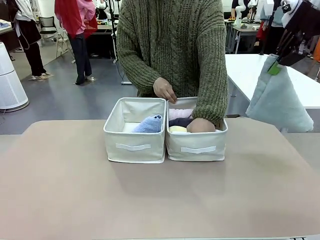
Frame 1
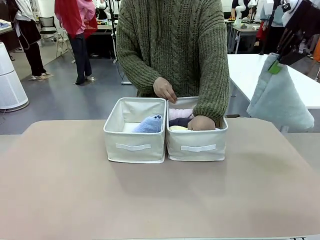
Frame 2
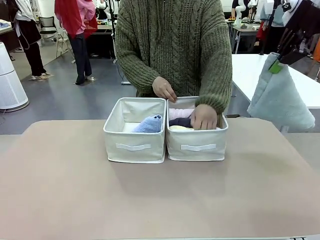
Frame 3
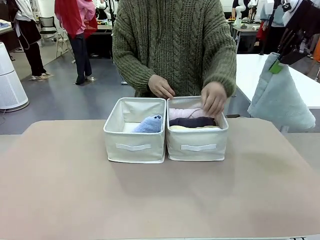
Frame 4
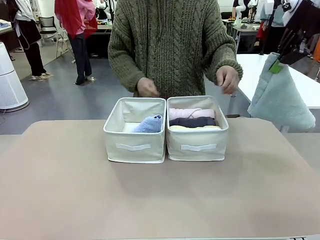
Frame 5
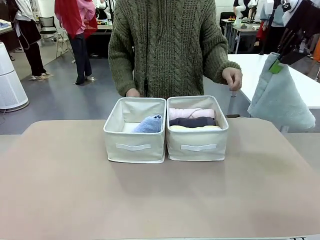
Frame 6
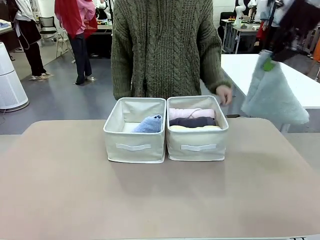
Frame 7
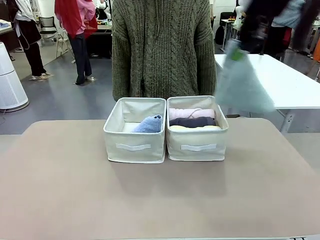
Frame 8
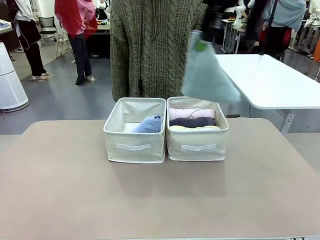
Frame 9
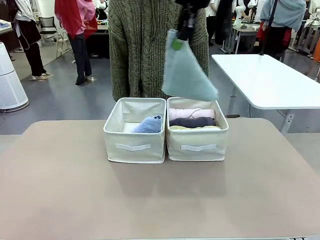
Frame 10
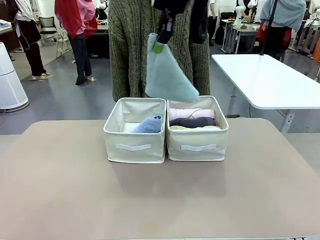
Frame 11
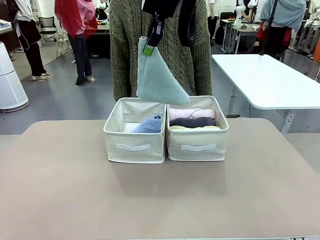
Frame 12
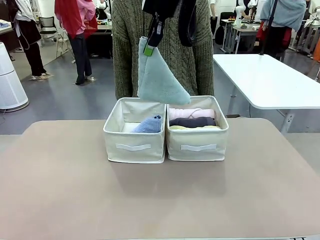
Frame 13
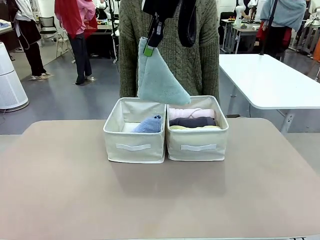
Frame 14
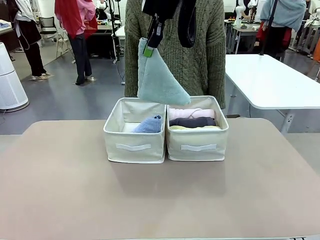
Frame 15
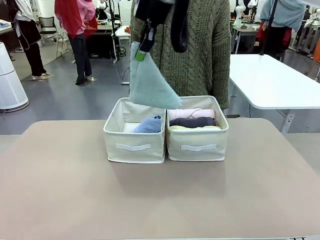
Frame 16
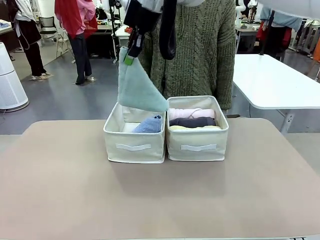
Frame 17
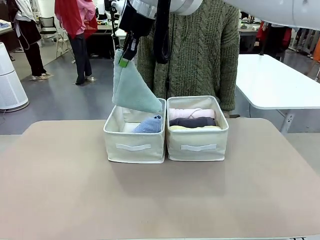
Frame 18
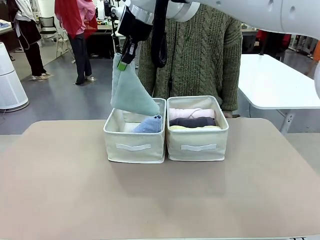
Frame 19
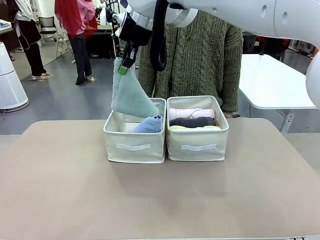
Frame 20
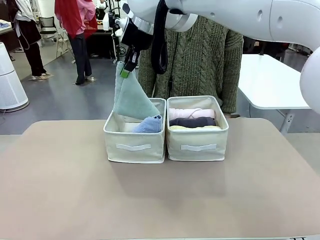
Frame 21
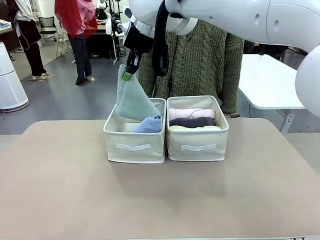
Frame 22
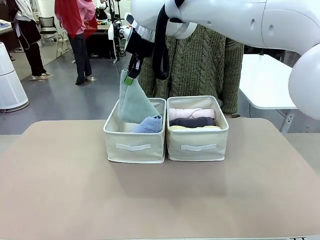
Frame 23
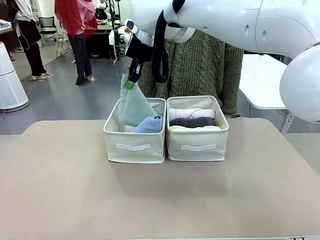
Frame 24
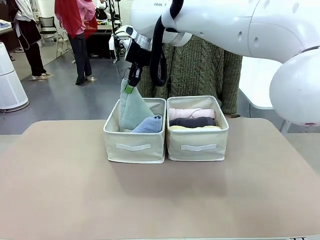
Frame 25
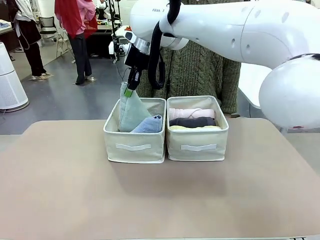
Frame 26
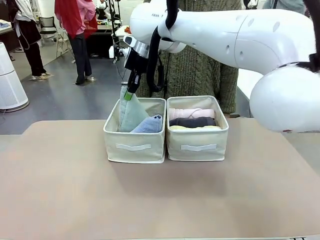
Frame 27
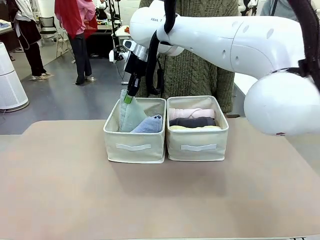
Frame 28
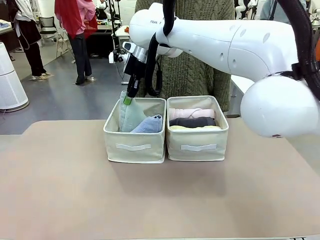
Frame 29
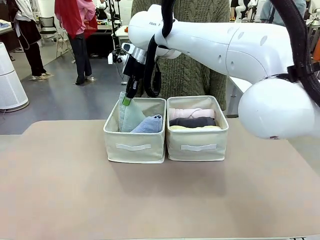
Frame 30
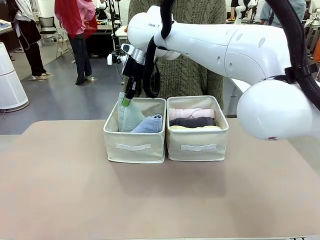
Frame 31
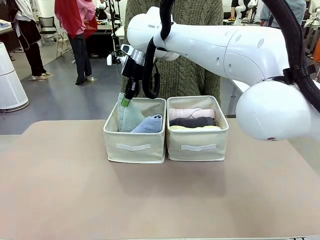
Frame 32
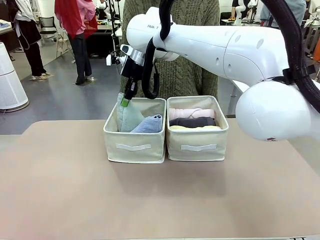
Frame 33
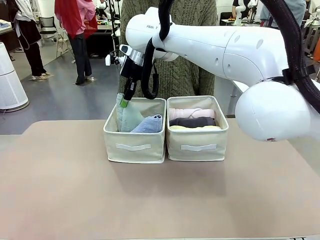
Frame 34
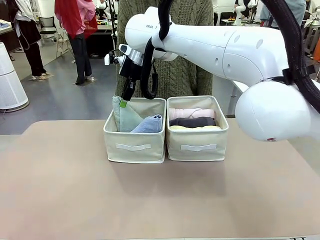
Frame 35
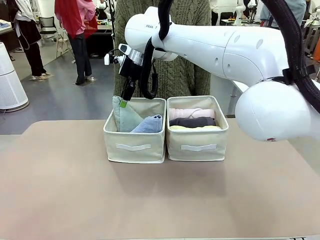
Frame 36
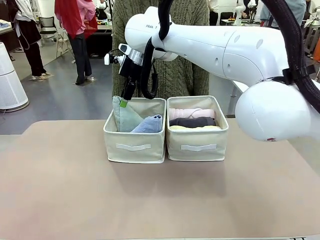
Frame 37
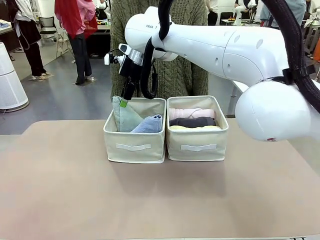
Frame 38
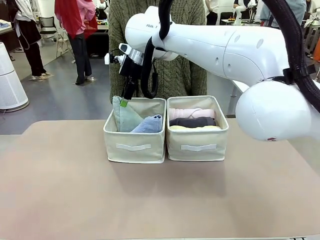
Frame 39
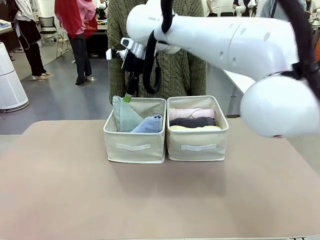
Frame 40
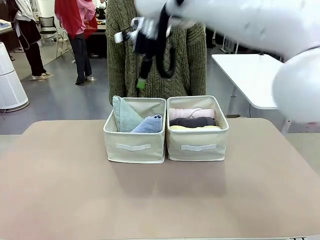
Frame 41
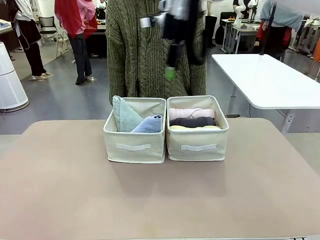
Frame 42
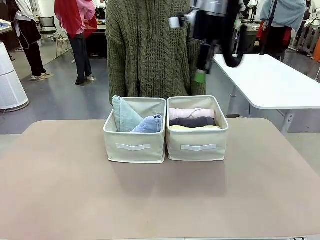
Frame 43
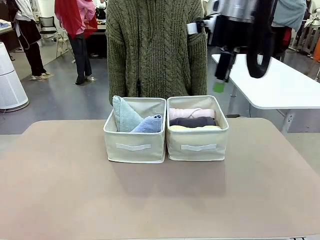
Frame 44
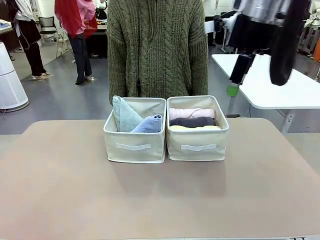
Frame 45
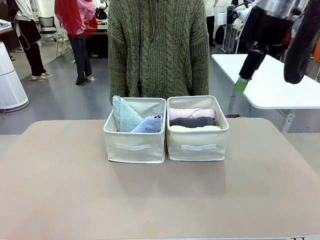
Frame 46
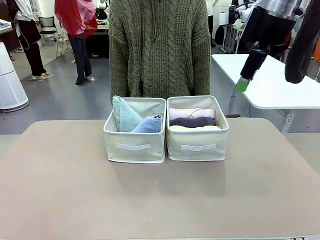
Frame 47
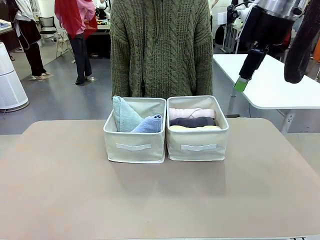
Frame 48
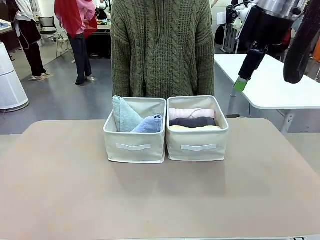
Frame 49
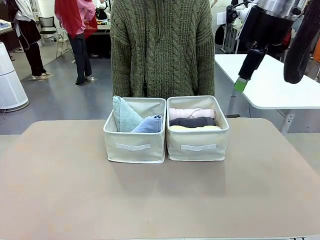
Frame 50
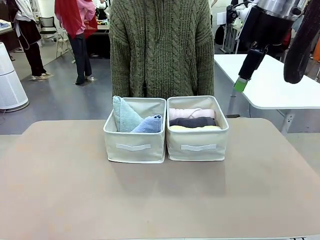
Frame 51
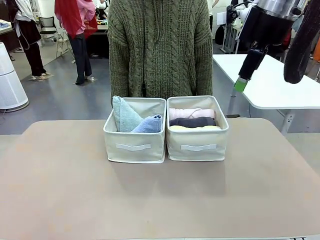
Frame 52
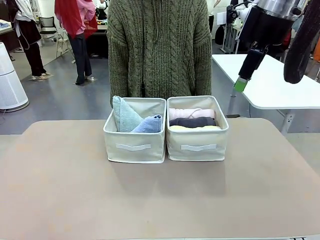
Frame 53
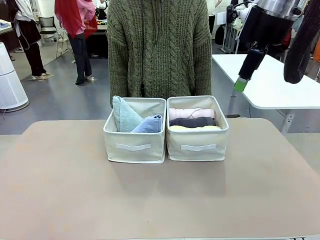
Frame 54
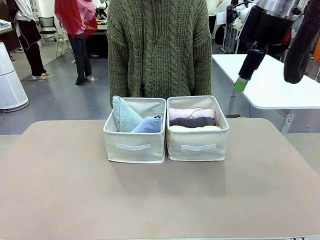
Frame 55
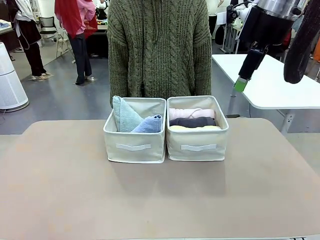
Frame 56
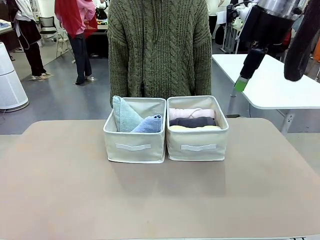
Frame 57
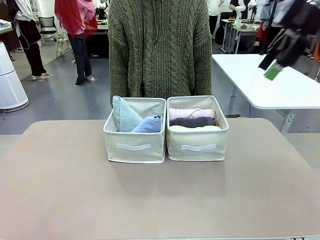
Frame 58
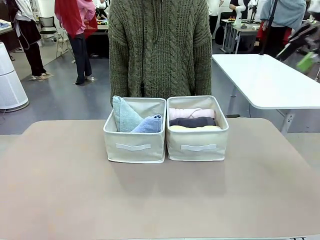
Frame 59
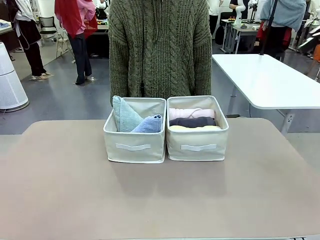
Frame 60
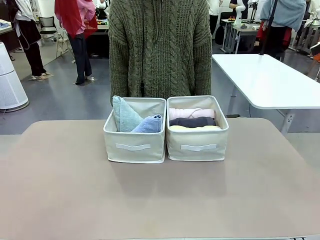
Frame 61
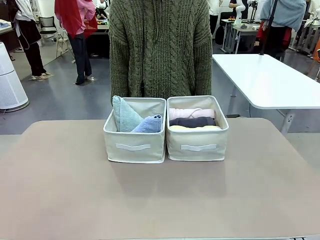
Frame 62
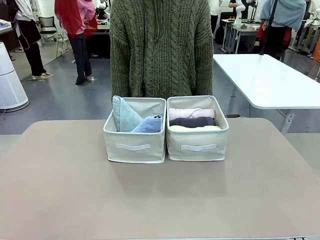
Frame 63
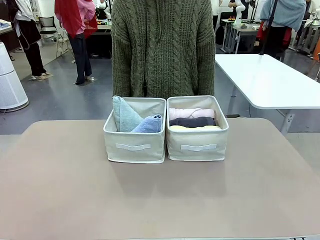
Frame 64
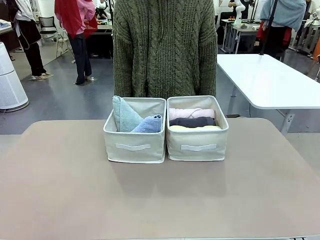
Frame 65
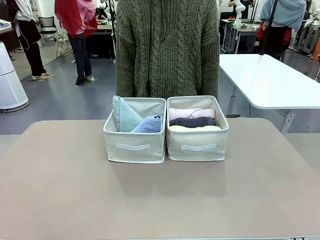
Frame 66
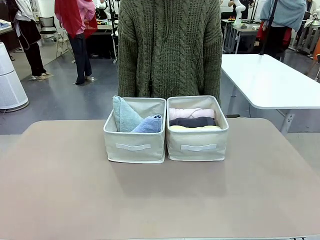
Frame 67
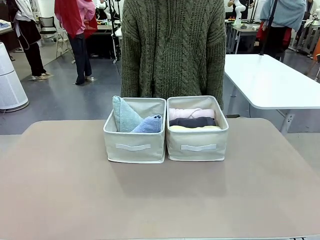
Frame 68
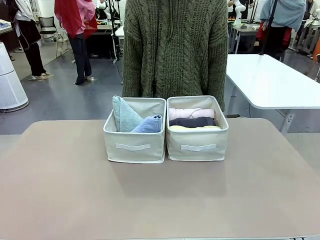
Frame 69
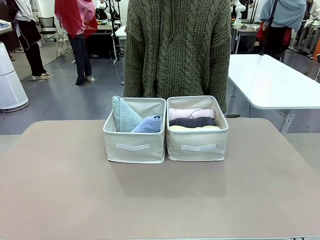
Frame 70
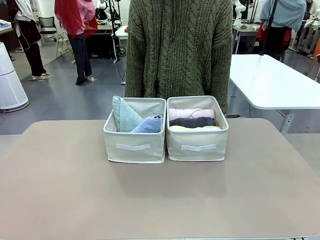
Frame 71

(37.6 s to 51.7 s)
Task: Sort the towels based on their folding style.
Robot: Pick up another triangle-folded towel from the table and place it in the left Fabric basket.
